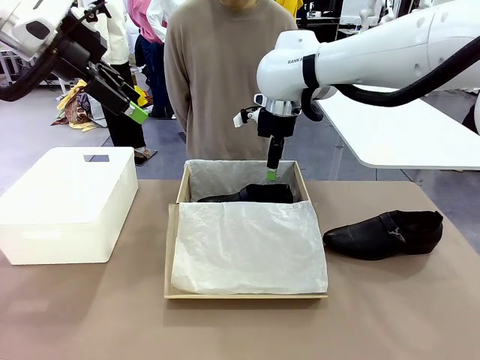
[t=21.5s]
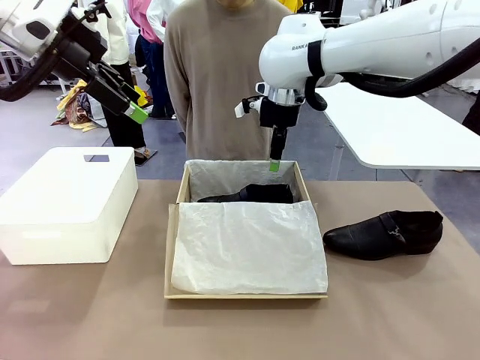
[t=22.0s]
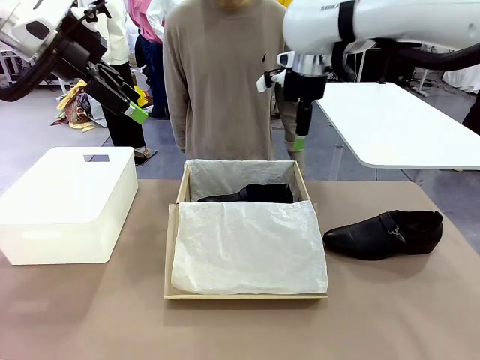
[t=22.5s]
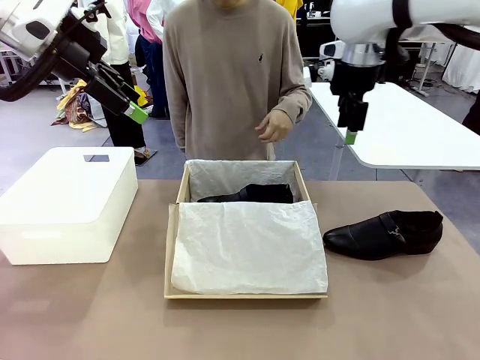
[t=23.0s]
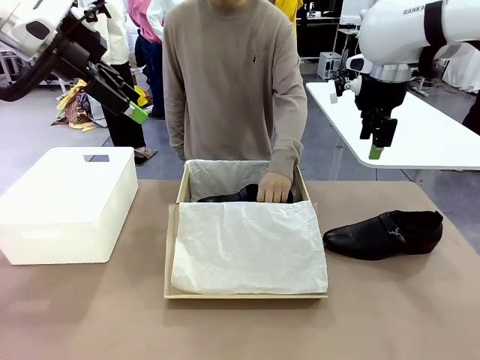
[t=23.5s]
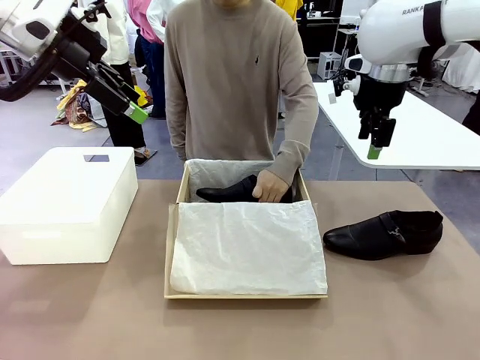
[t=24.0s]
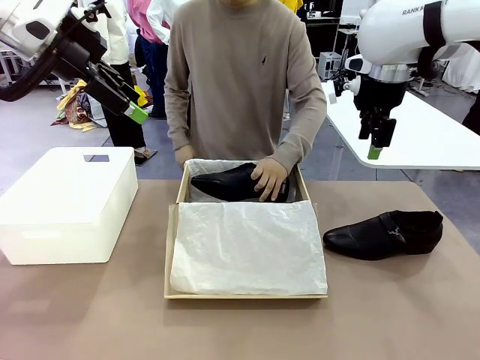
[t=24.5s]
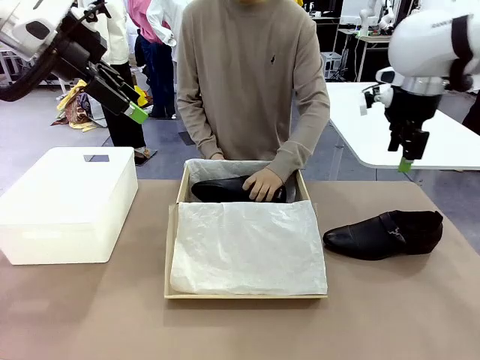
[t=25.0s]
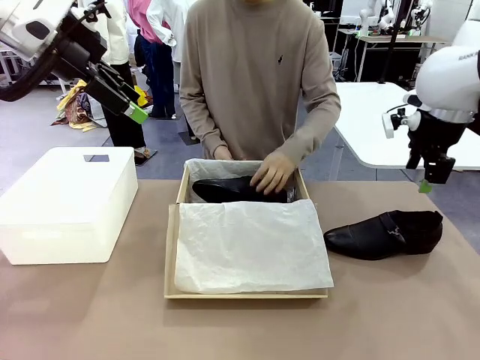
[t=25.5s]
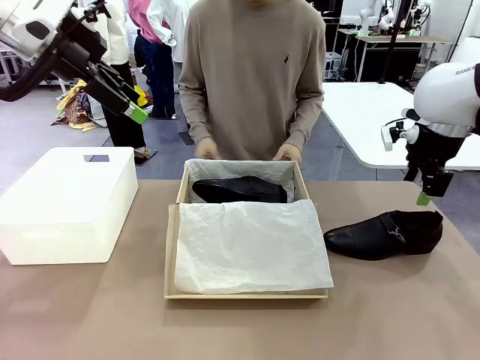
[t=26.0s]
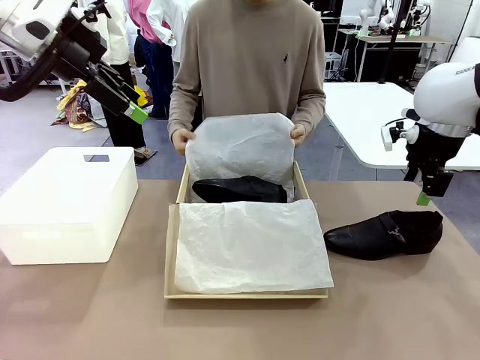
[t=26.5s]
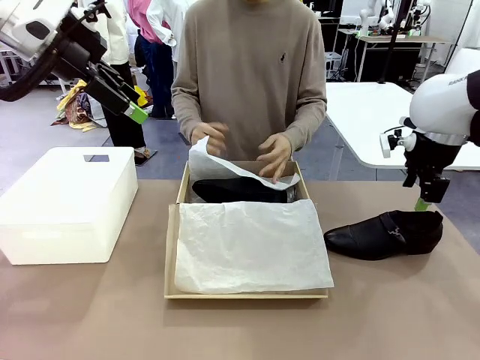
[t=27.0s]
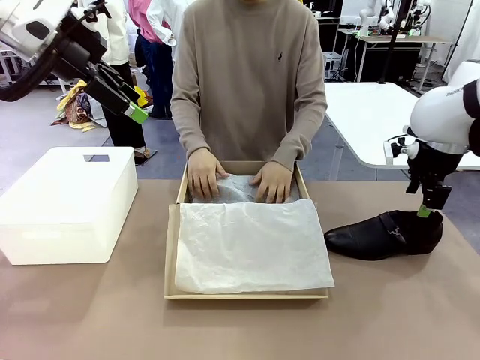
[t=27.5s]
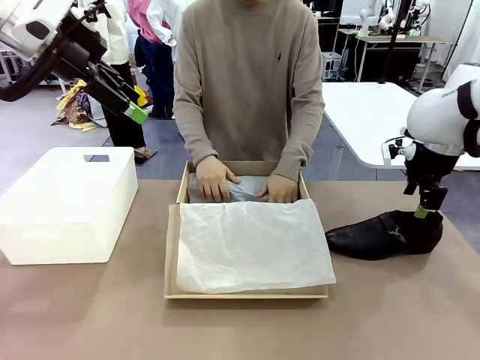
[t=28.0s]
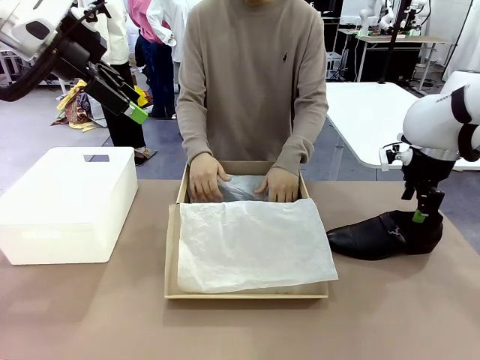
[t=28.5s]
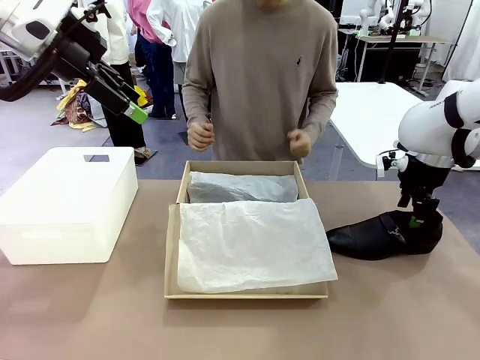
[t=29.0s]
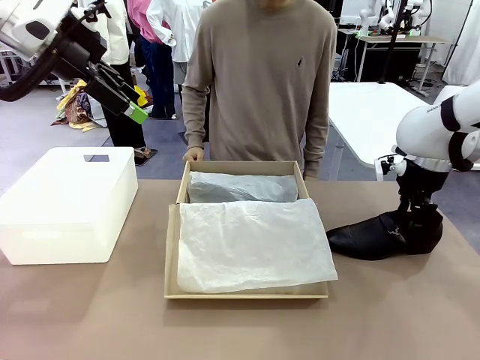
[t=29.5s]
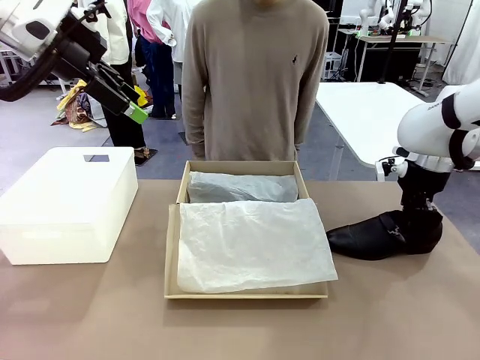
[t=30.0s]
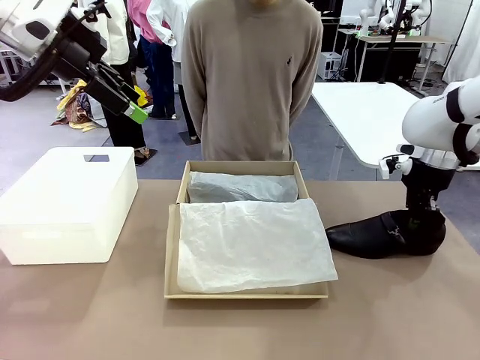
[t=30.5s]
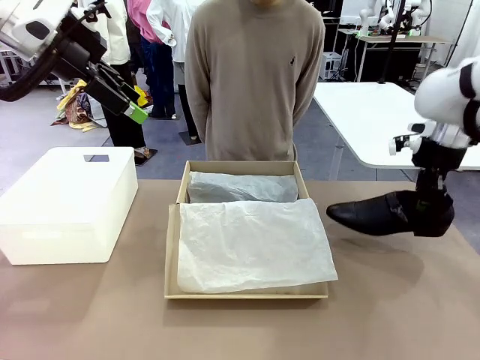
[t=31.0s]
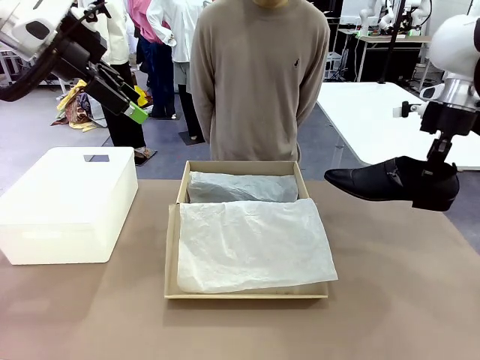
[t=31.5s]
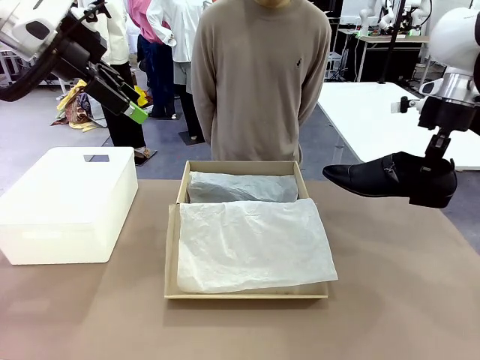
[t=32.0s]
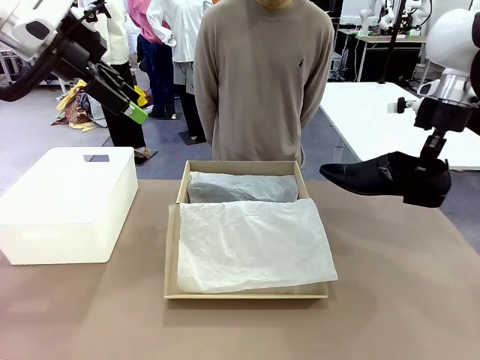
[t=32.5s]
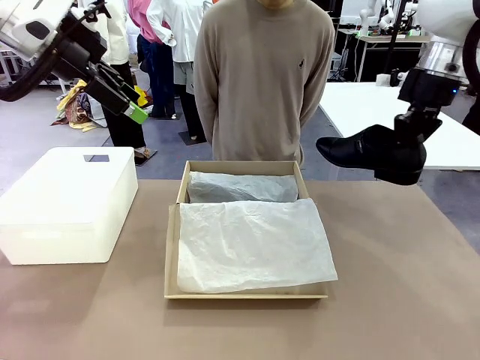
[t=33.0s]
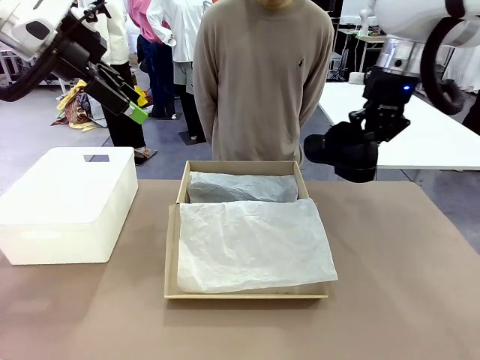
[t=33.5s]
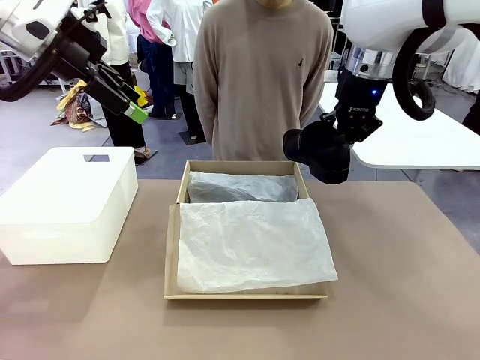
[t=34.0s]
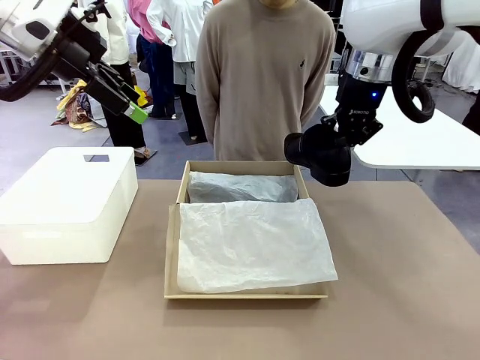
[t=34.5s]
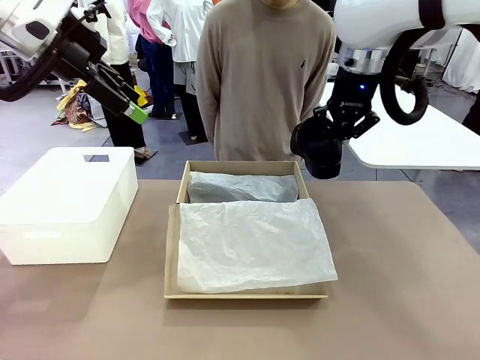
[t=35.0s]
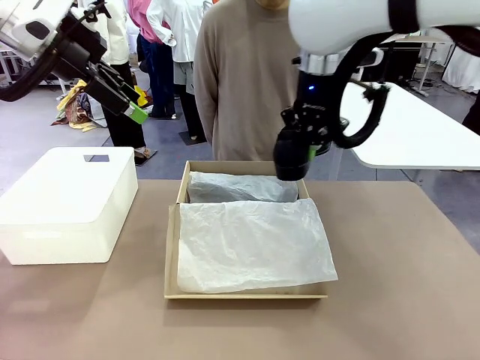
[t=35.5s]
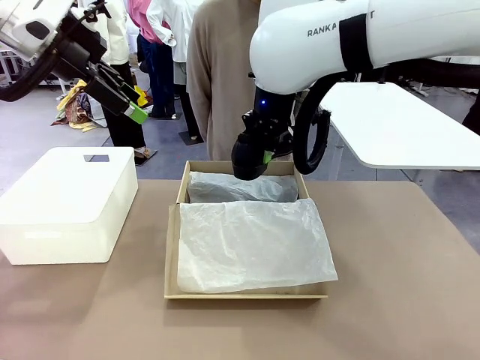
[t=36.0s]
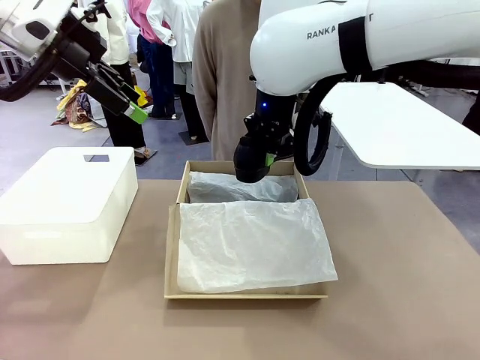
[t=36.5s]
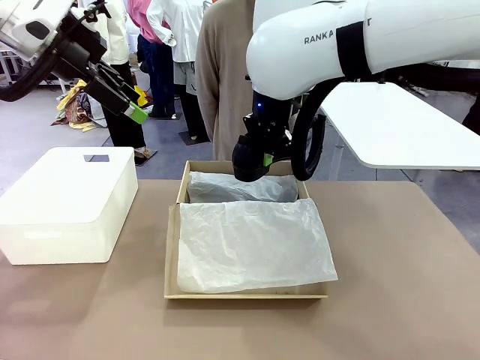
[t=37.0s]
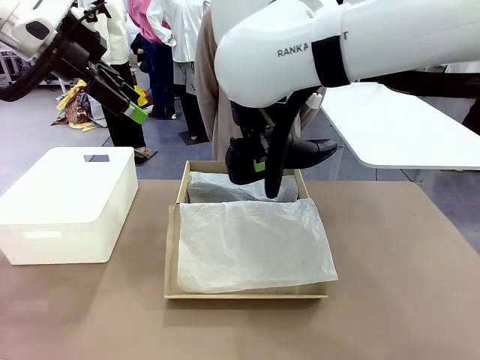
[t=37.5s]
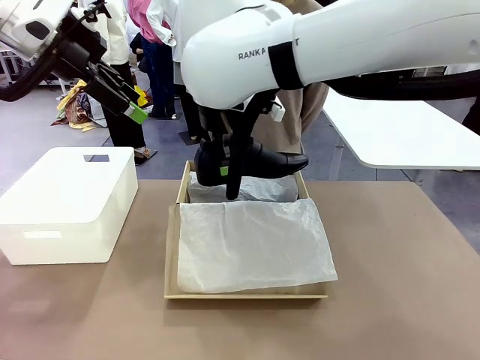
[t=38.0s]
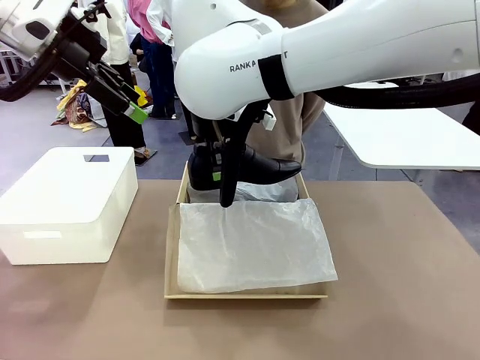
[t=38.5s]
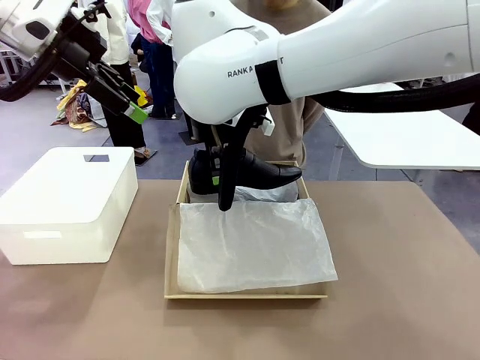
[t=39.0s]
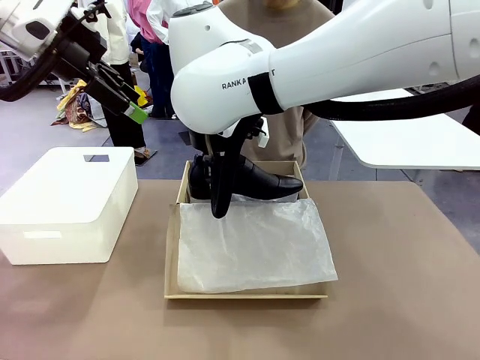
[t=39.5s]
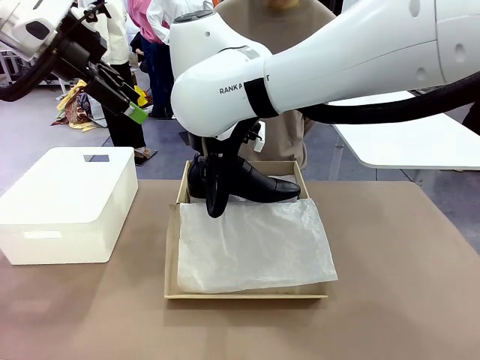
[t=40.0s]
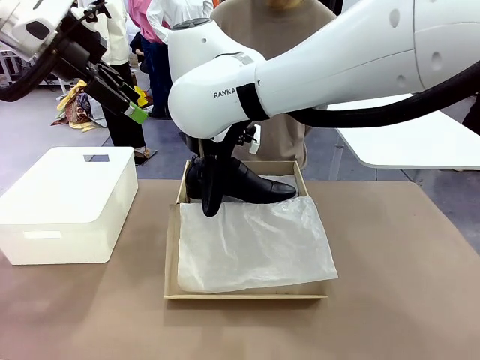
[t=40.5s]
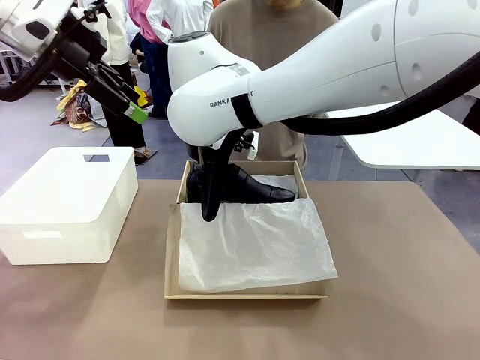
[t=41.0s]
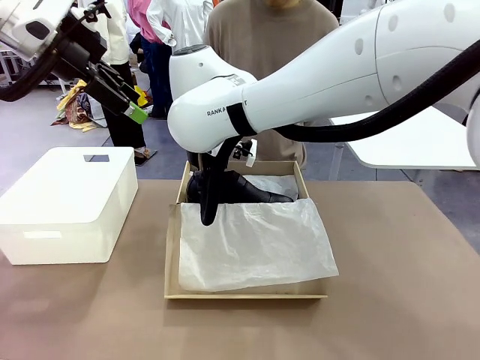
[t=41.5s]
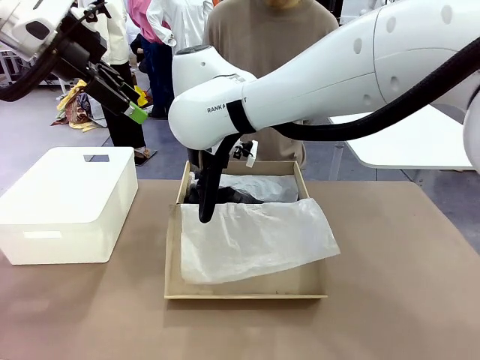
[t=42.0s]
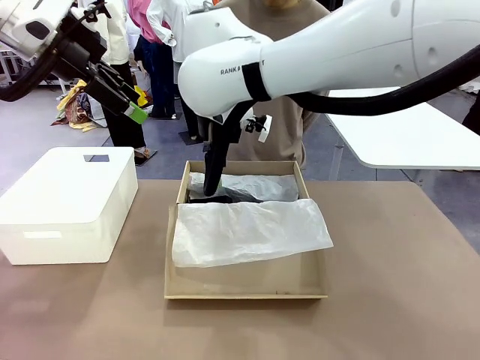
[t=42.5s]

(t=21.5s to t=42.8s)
Task: Pack the shoes into the box.
Robot: Place the other shoe of the Shoes into the Shoes Box.
Person: Pack a shoe of Shoes inside the Shoes Box with Shoes Wrapping Paper.
